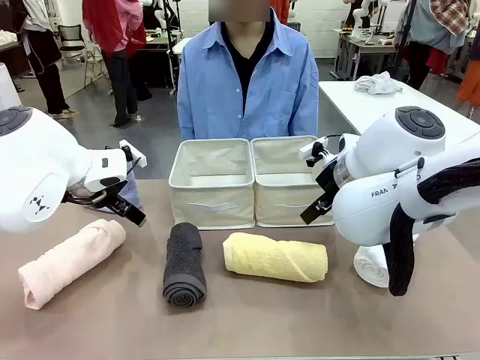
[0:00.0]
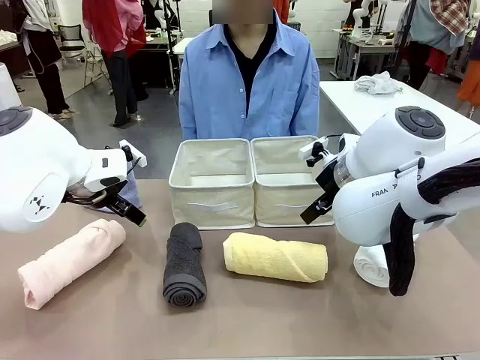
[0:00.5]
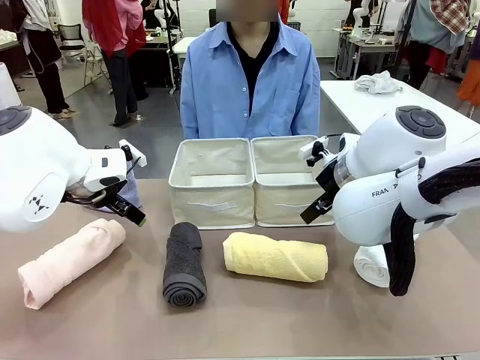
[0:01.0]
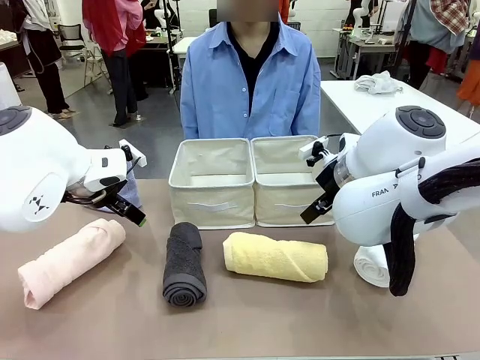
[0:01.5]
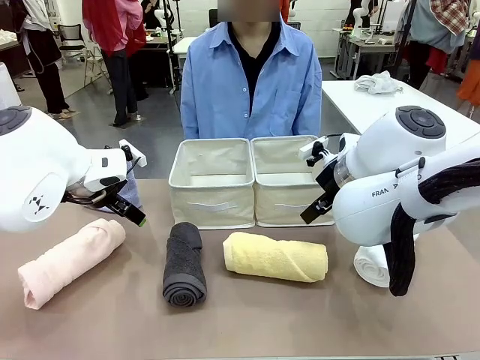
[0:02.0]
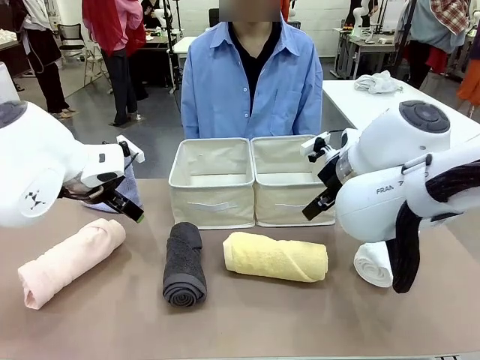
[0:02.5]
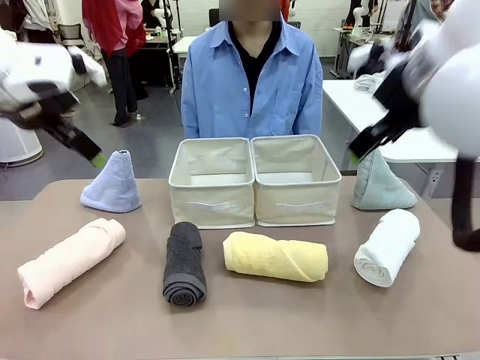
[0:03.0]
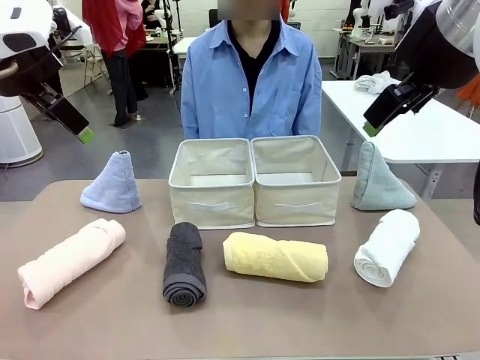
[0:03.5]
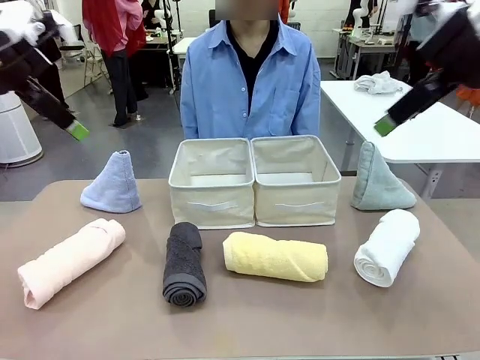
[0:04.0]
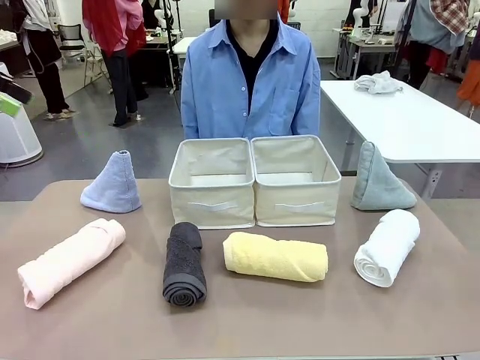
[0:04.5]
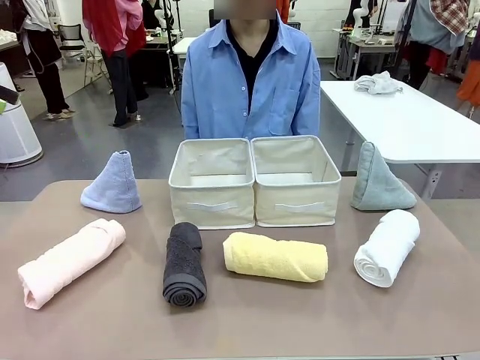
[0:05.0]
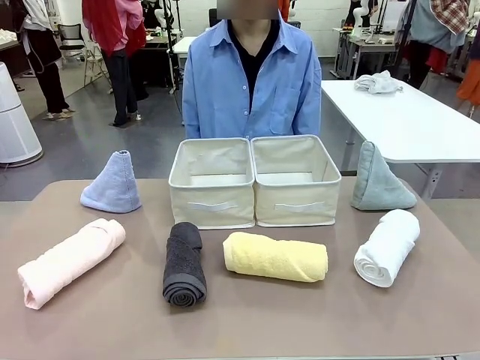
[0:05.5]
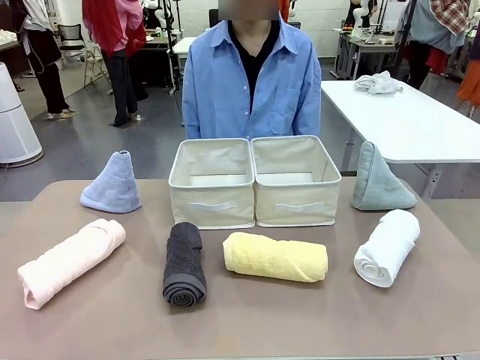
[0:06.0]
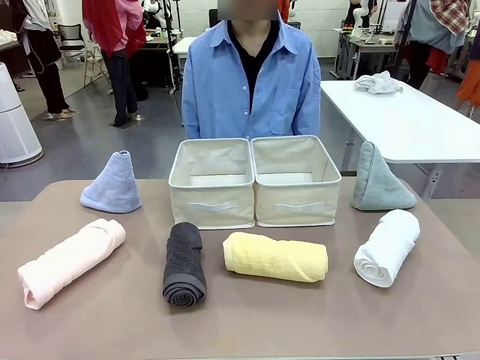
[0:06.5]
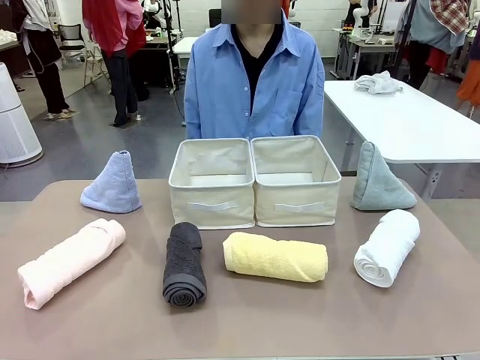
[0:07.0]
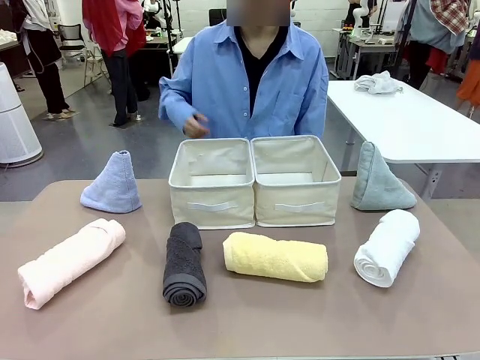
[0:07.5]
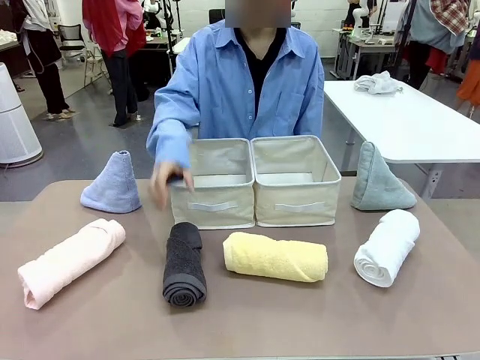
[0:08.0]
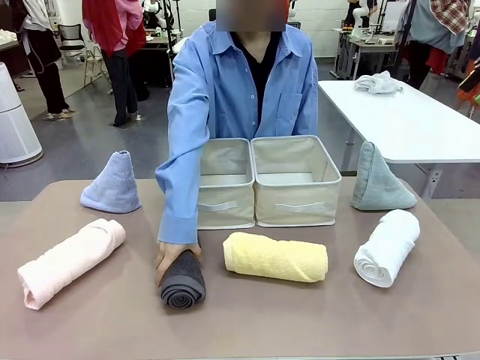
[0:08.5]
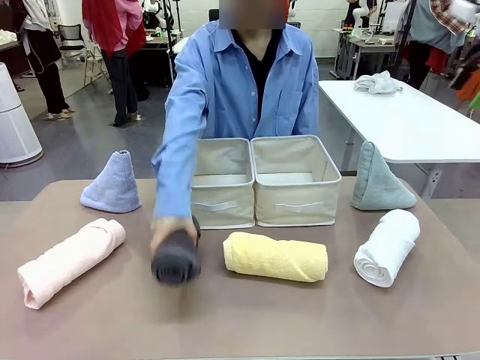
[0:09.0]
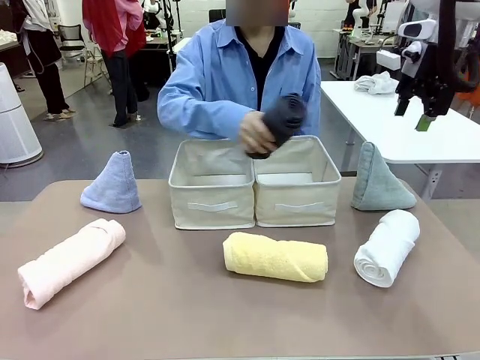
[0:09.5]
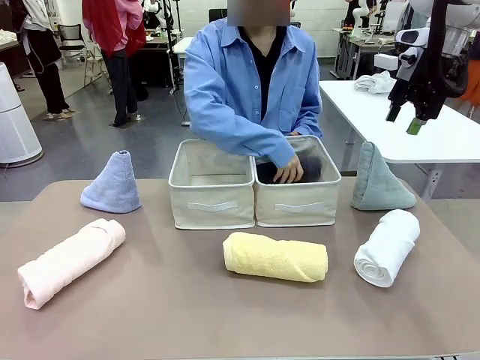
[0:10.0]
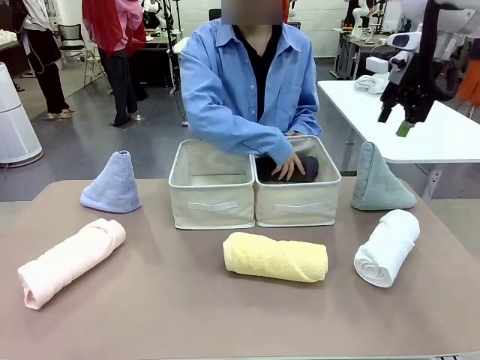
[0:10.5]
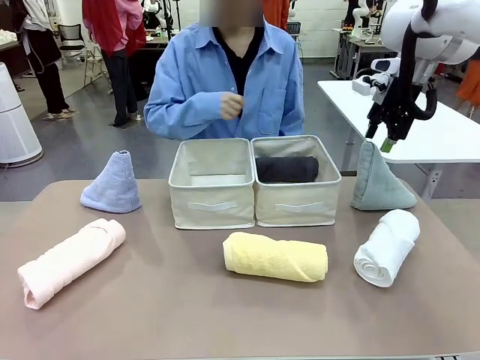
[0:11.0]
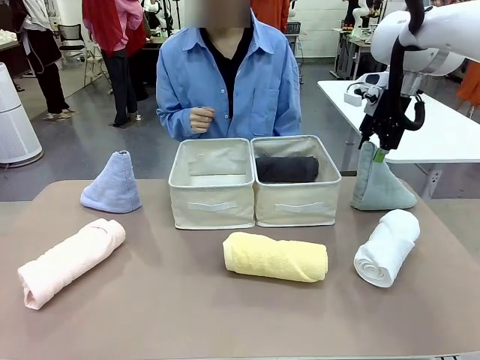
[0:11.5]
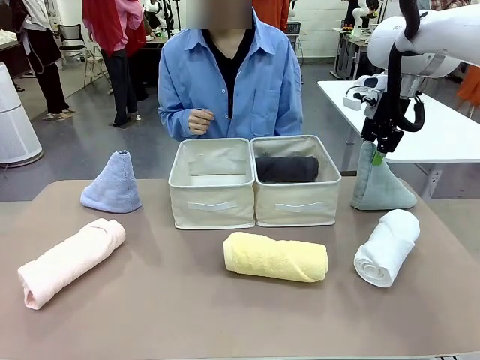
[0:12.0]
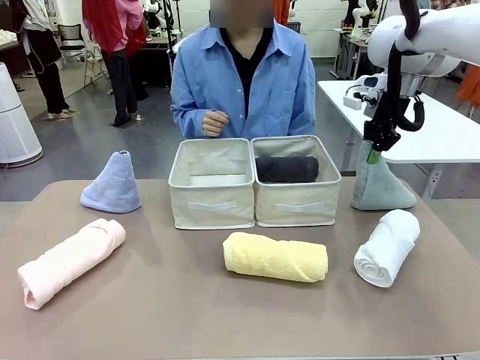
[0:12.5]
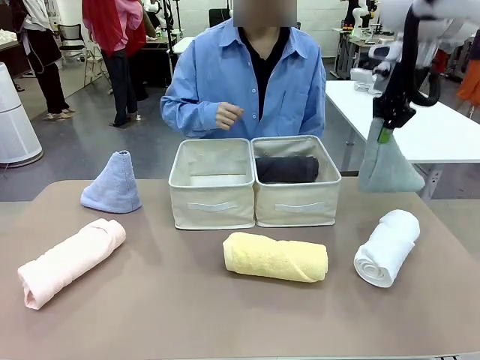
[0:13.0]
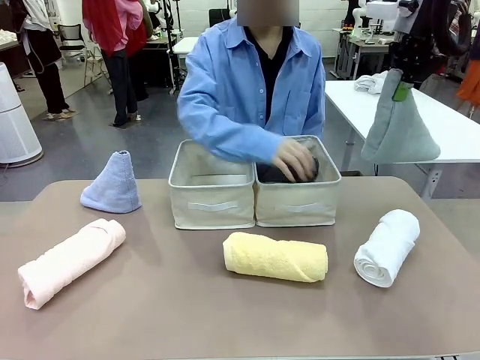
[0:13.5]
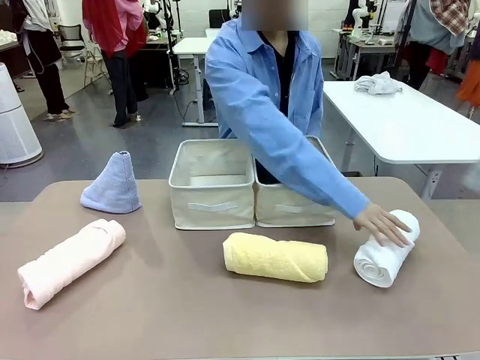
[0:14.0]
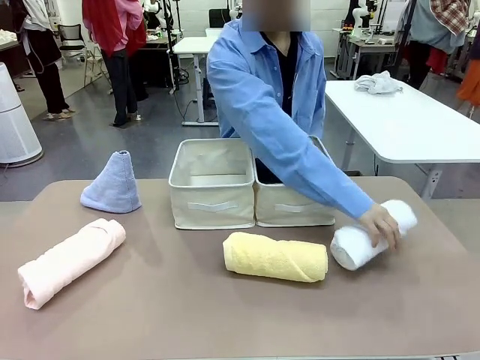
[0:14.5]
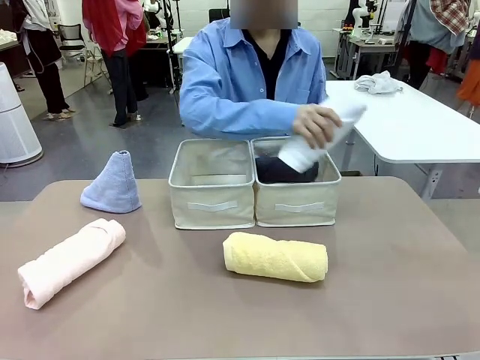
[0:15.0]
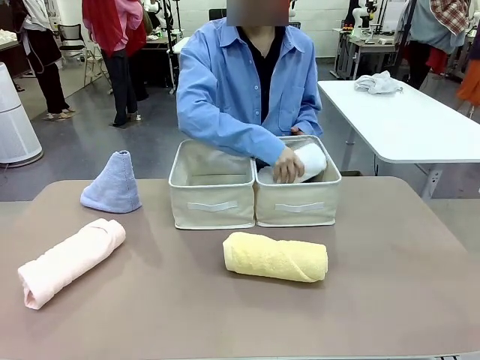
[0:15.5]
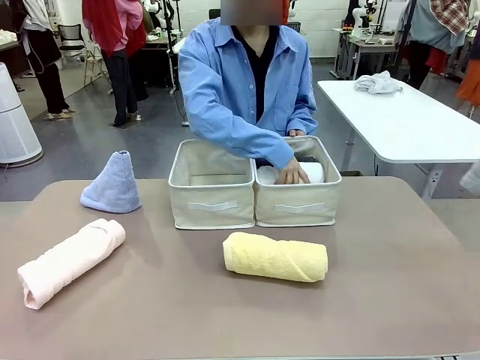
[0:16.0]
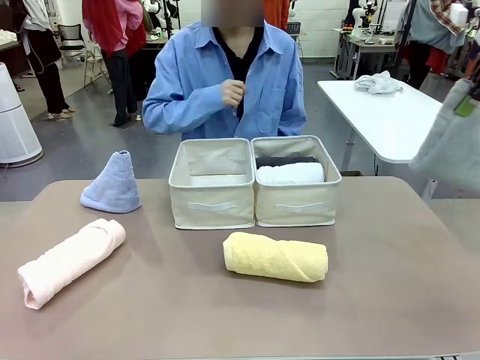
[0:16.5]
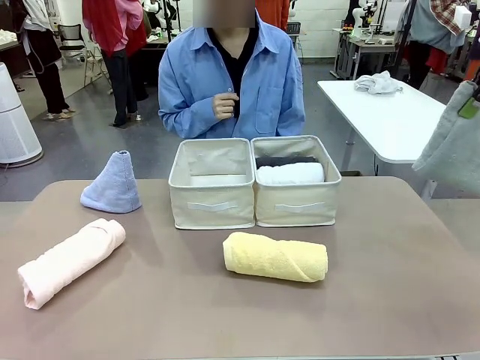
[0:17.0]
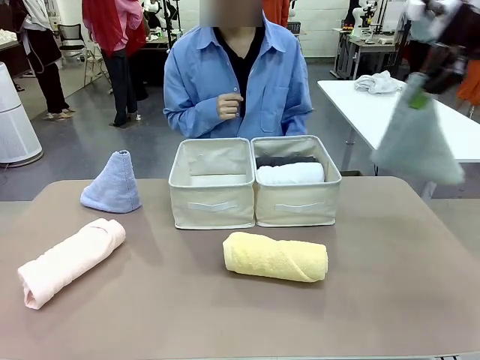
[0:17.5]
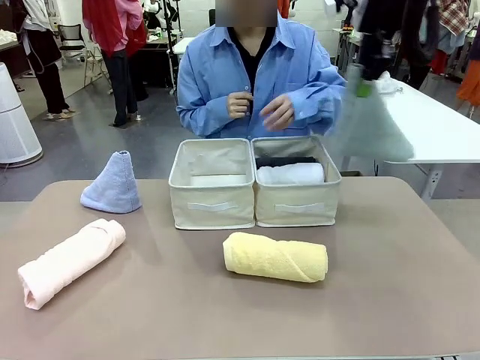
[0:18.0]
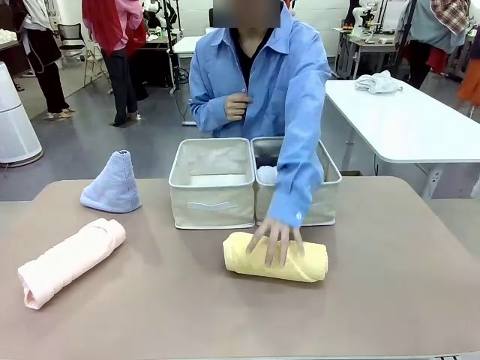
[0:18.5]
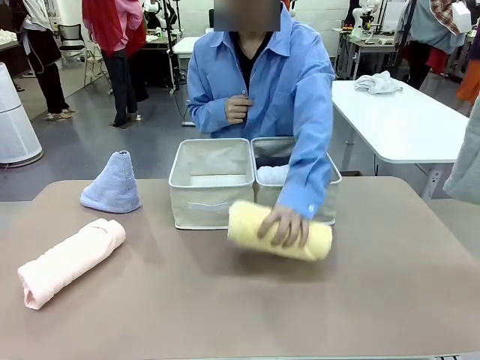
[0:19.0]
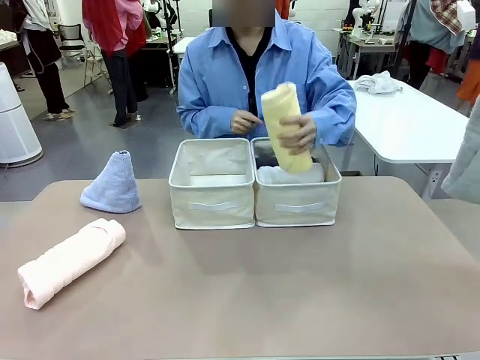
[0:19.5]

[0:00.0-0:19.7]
Task: Sort the towels based on their folding style.
Robot: Pick up one triangle-folded towel and place it in the left Fabric basket.
Person: Pick up one hotel-style rolled towel and place it in the left fabric basket.
